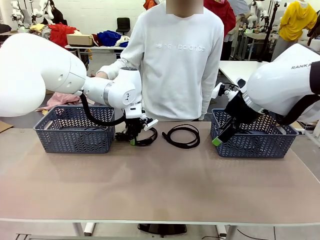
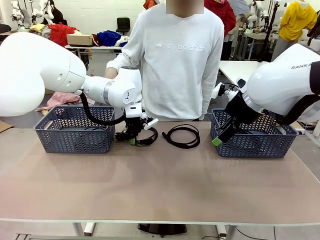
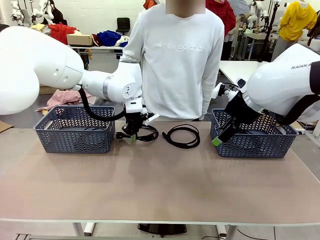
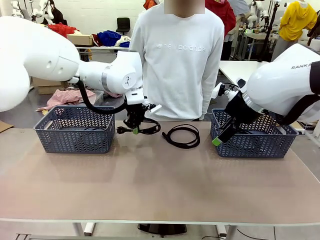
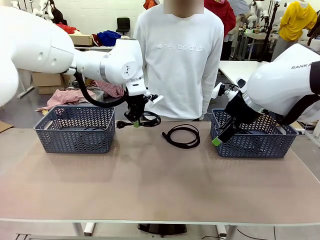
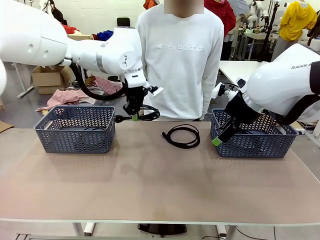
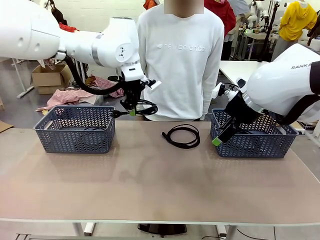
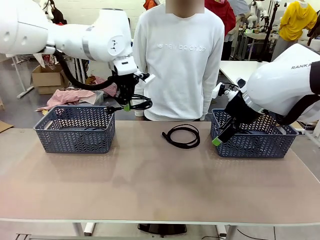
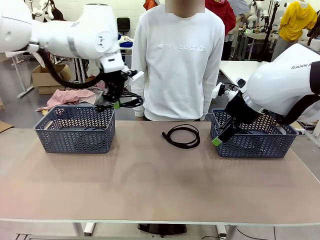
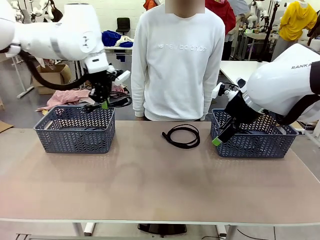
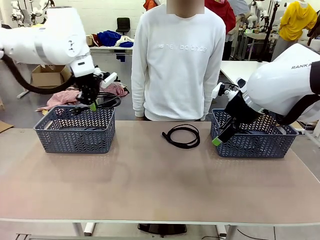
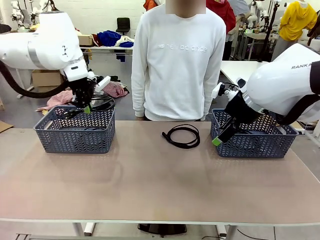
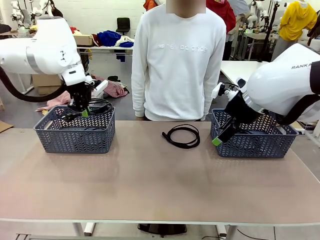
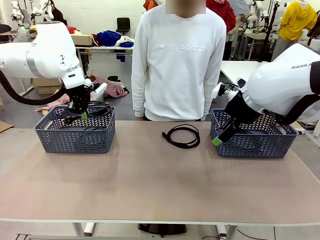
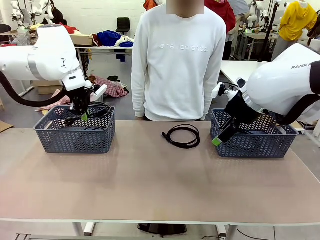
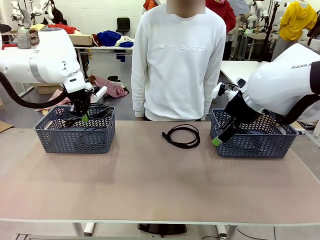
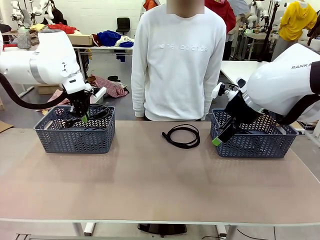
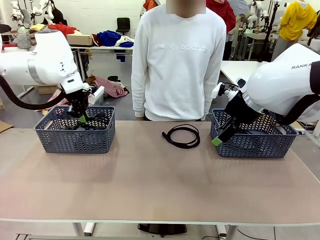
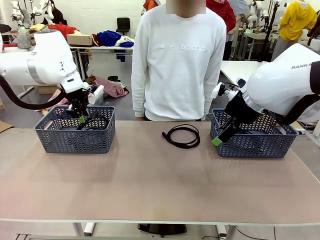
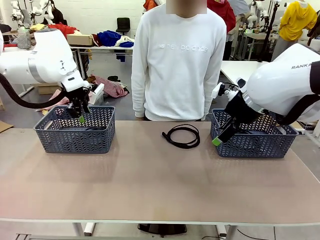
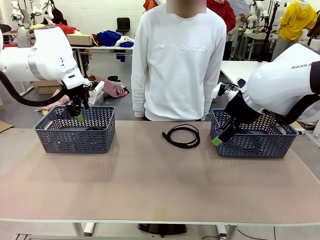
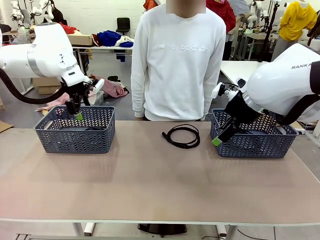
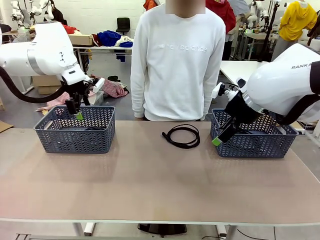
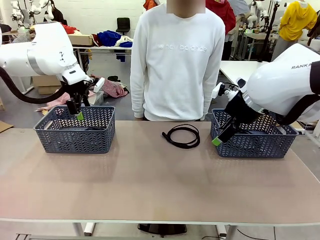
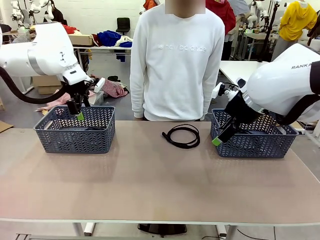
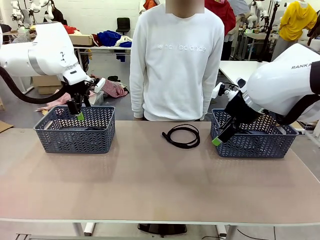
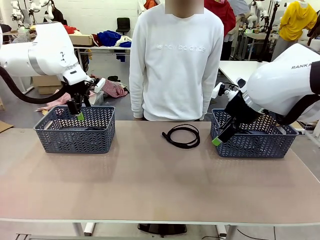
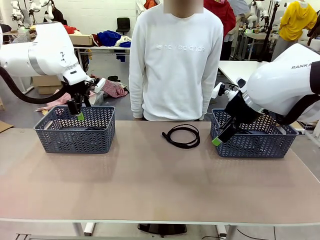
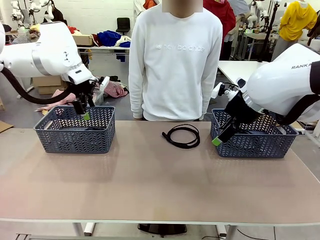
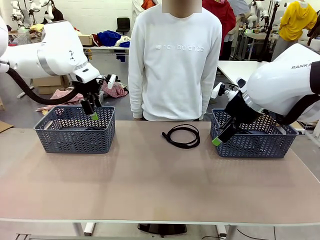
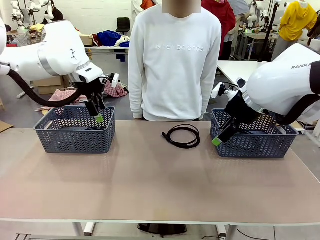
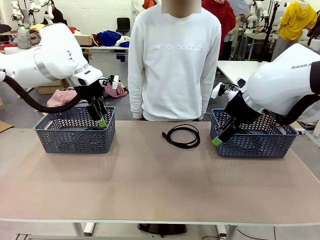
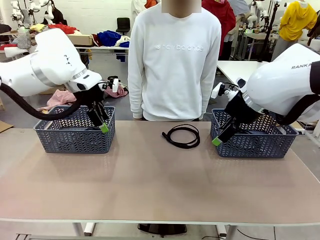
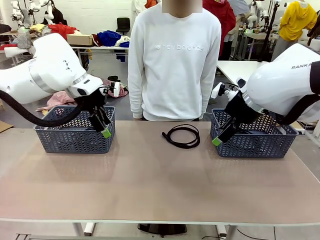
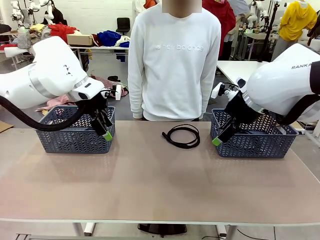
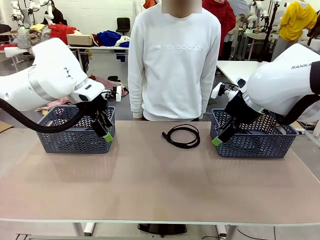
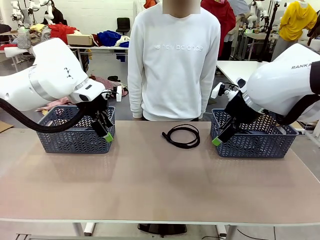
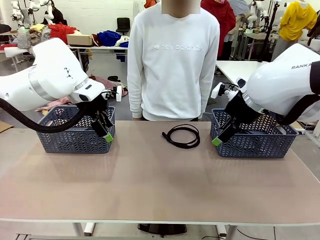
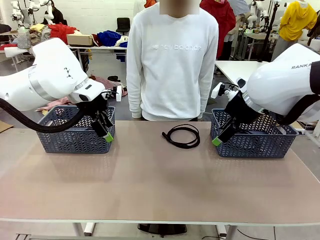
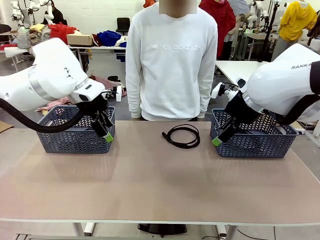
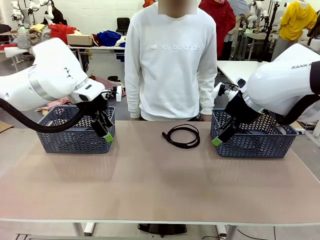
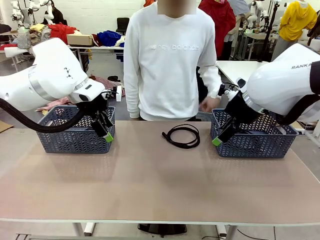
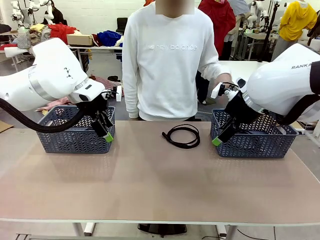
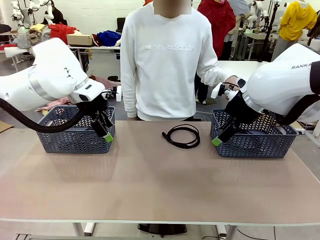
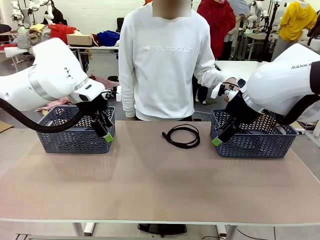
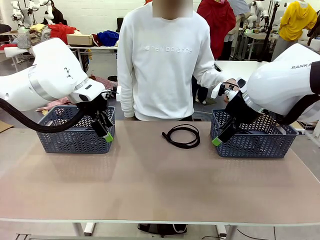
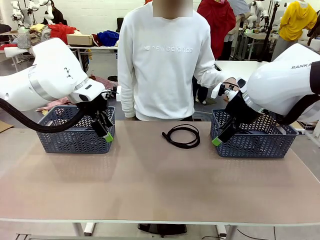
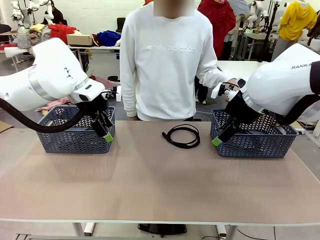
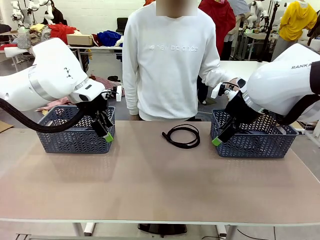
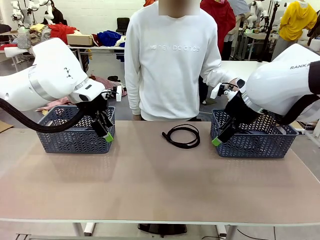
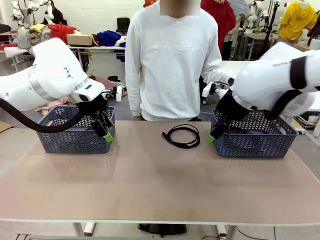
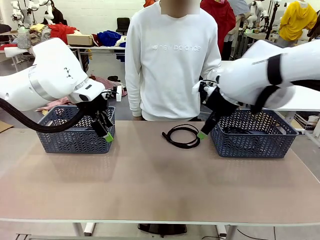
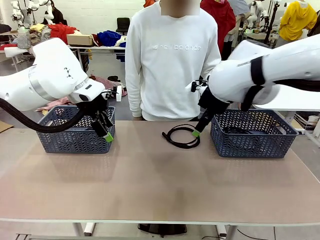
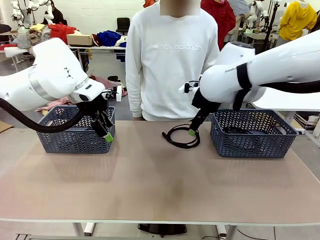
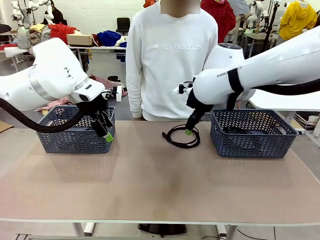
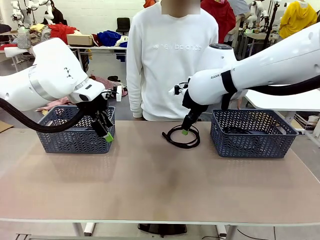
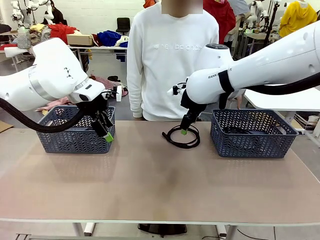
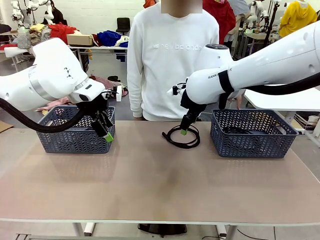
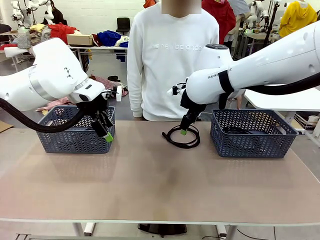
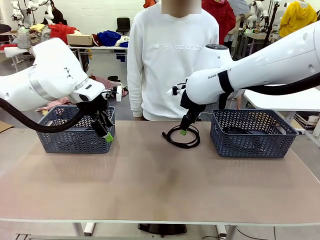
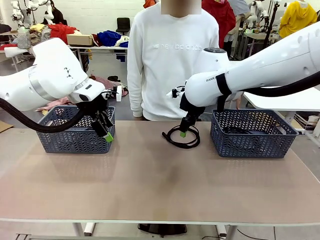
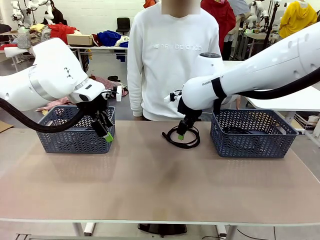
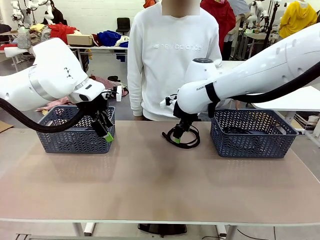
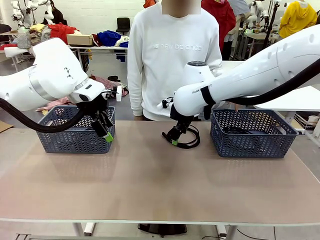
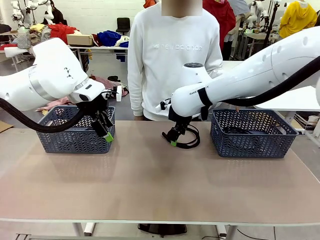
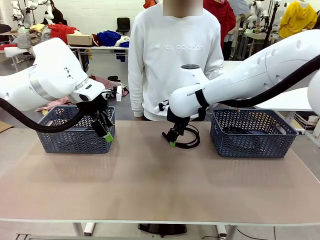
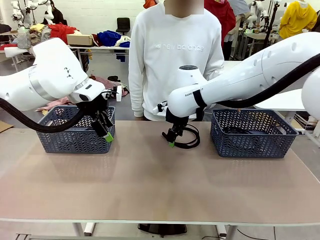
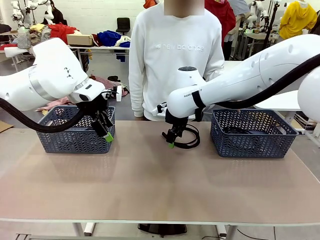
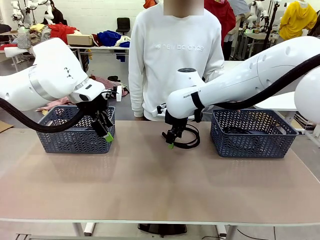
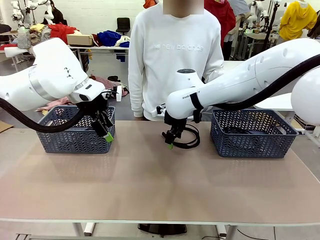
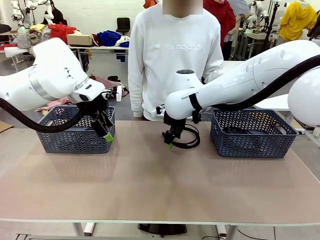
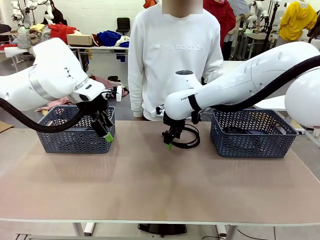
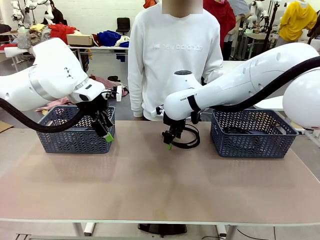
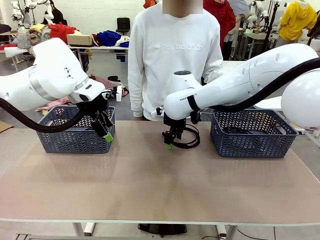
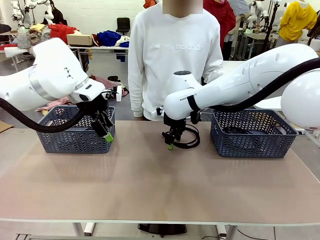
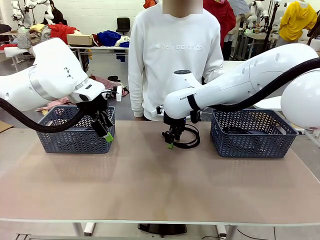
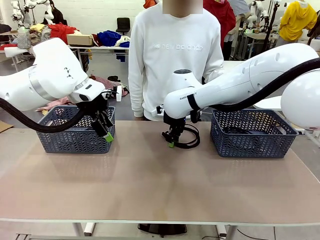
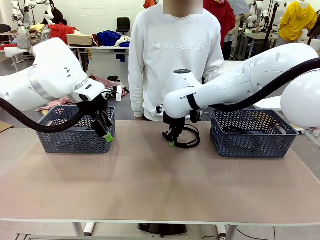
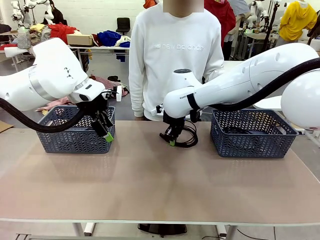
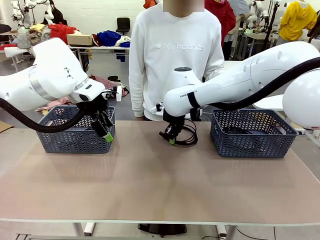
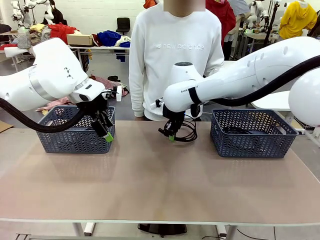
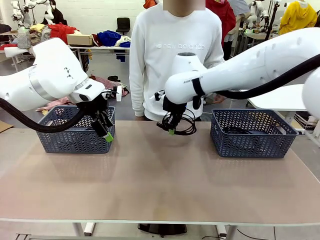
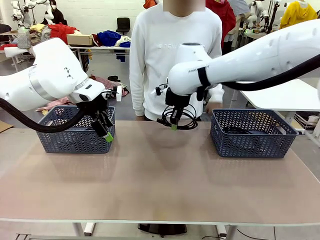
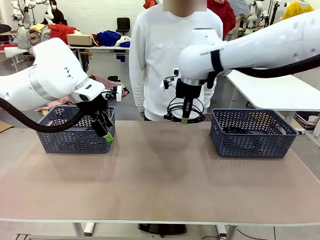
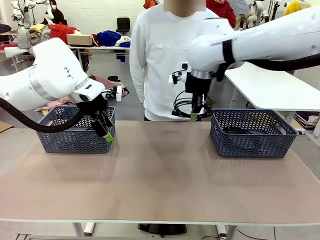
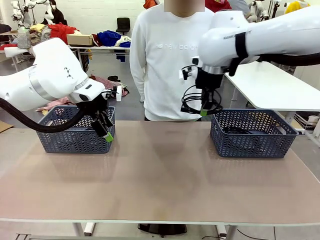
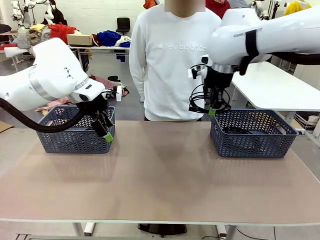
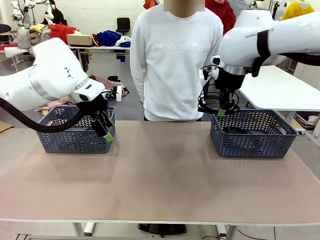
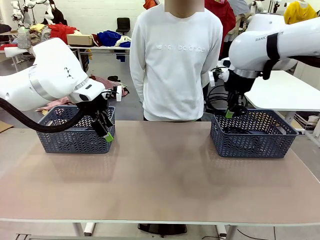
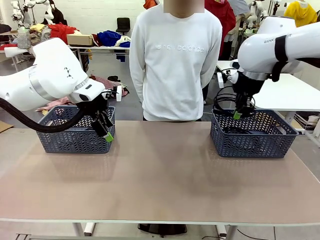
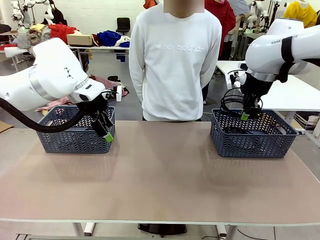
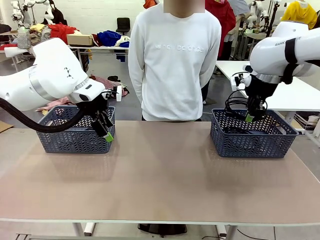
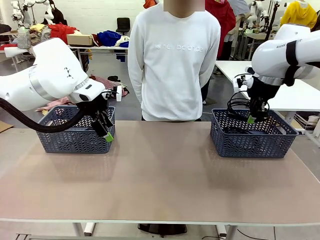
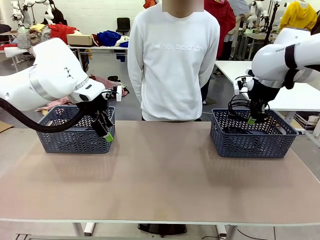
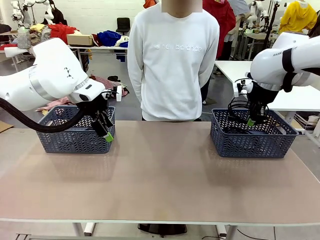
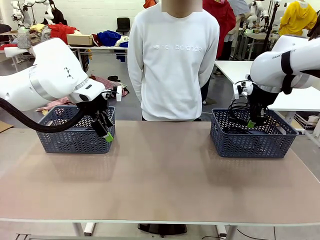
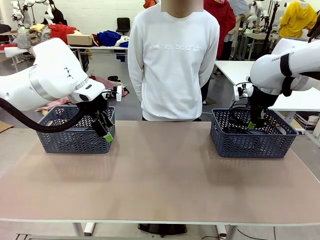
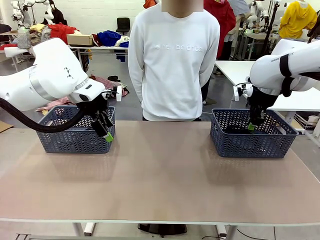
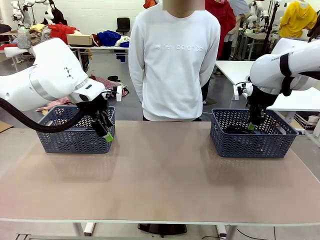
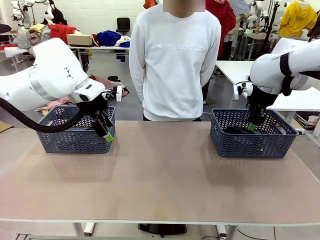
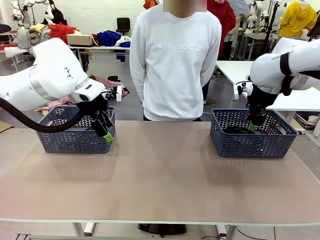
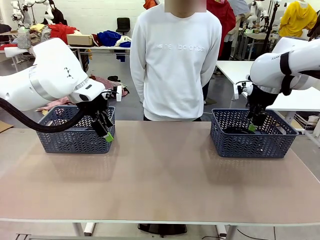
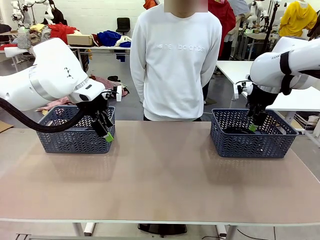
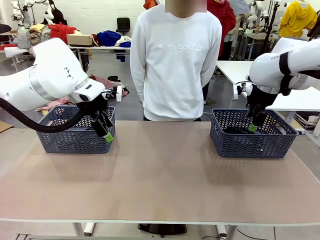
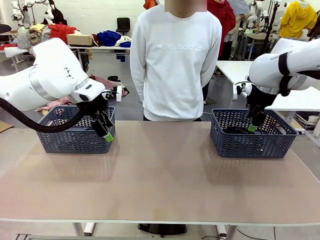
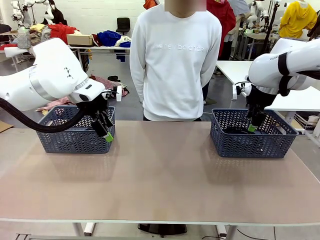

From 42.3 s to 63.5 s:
Task: Organize the cables according to human instructions.
Robot: Pick up a bundle of cables and place it in the basket indicated by the human.
